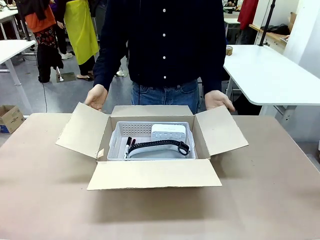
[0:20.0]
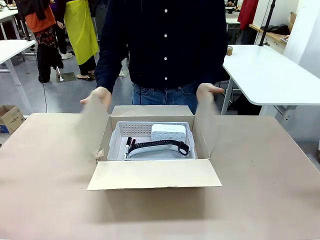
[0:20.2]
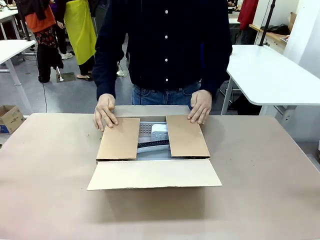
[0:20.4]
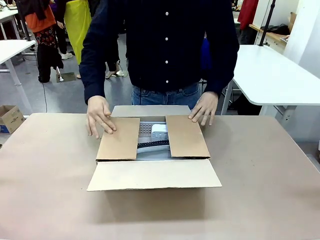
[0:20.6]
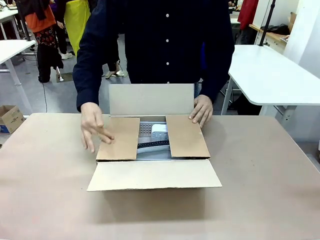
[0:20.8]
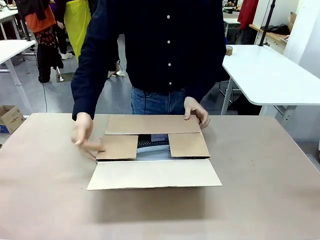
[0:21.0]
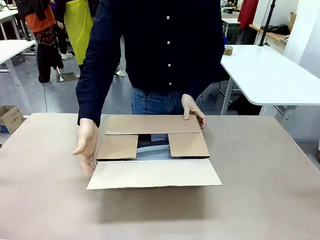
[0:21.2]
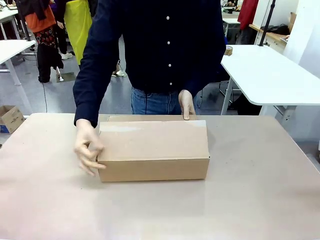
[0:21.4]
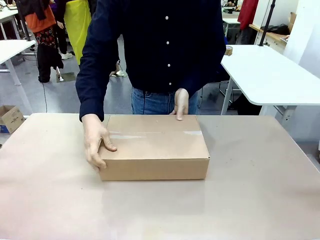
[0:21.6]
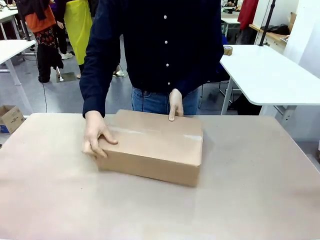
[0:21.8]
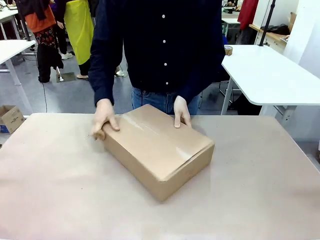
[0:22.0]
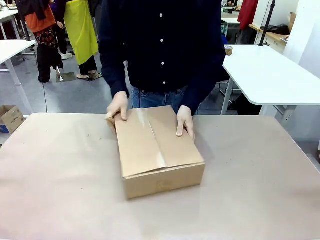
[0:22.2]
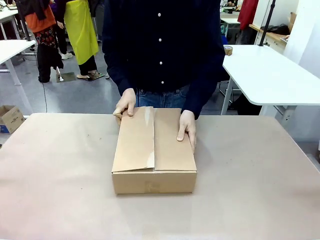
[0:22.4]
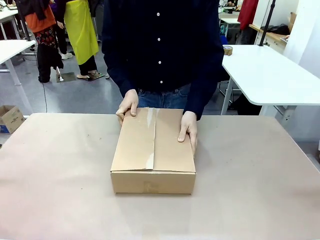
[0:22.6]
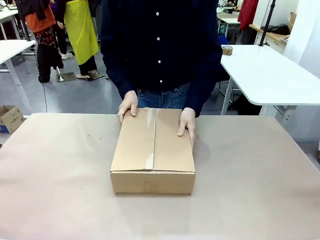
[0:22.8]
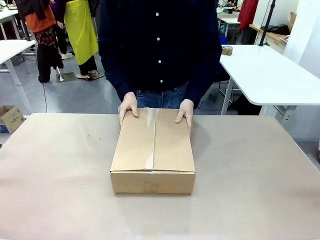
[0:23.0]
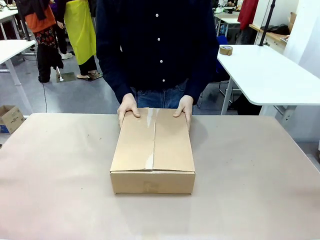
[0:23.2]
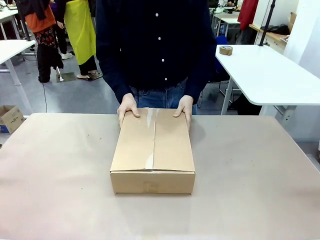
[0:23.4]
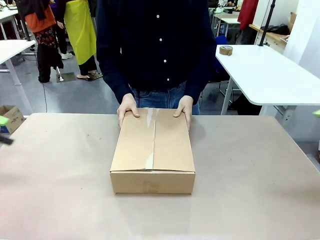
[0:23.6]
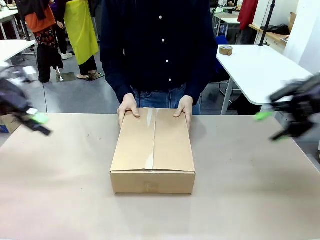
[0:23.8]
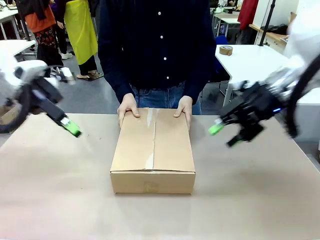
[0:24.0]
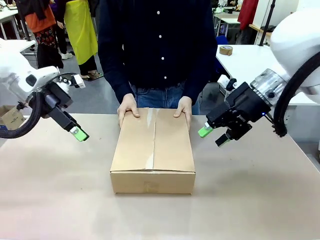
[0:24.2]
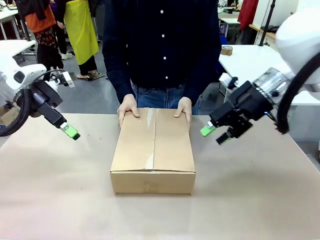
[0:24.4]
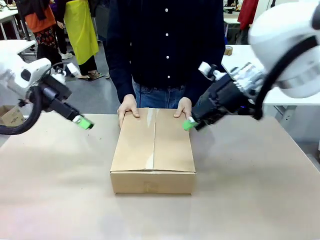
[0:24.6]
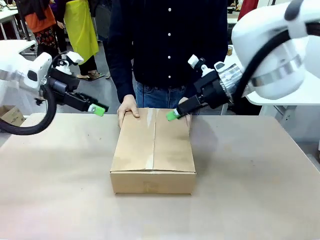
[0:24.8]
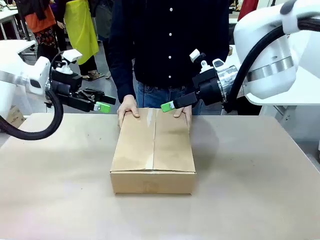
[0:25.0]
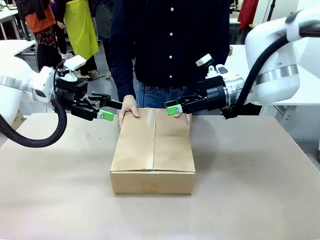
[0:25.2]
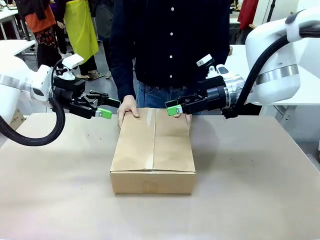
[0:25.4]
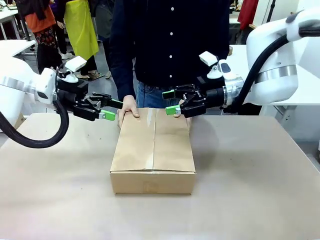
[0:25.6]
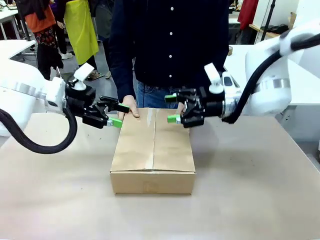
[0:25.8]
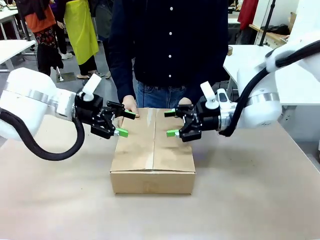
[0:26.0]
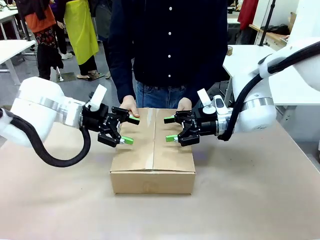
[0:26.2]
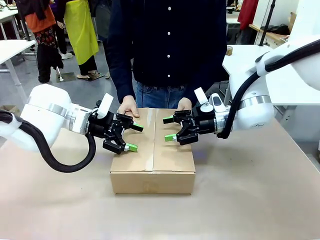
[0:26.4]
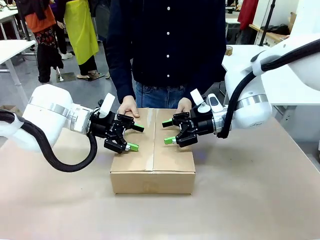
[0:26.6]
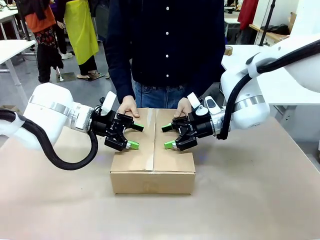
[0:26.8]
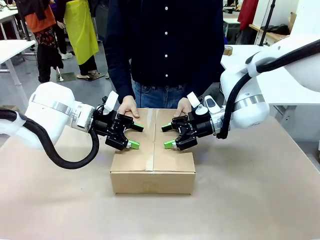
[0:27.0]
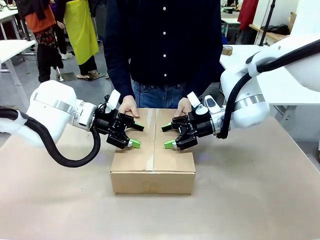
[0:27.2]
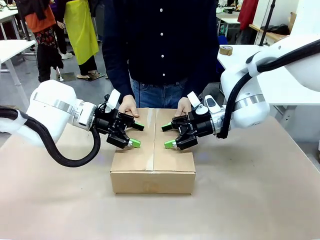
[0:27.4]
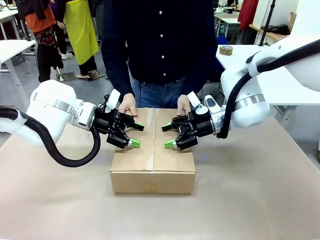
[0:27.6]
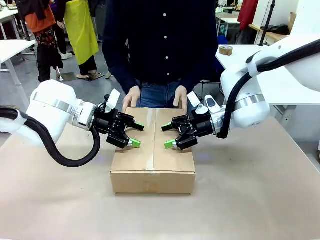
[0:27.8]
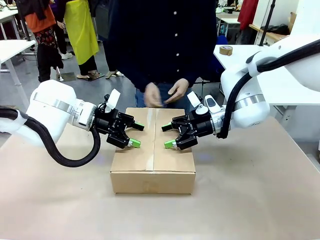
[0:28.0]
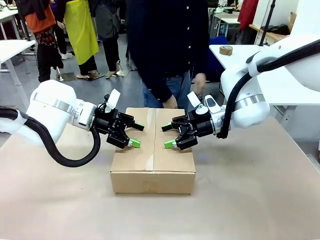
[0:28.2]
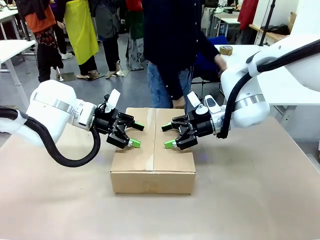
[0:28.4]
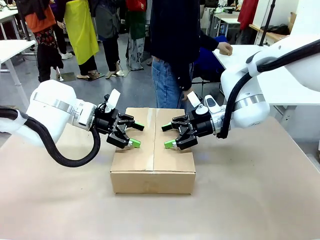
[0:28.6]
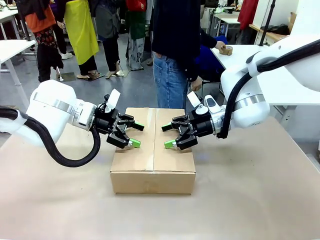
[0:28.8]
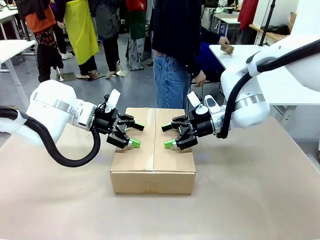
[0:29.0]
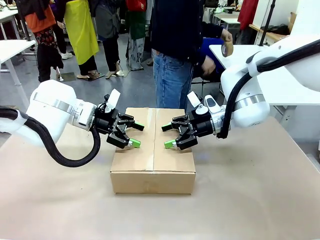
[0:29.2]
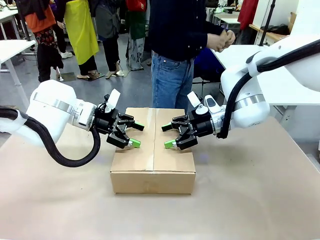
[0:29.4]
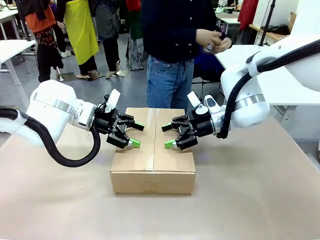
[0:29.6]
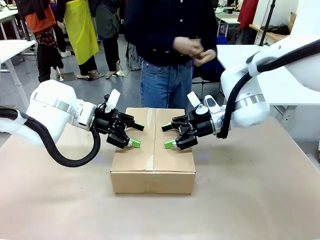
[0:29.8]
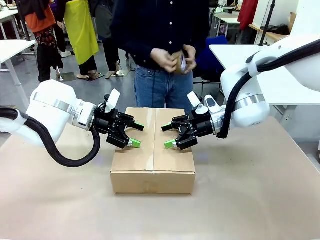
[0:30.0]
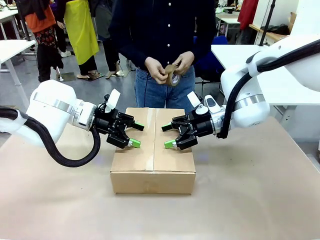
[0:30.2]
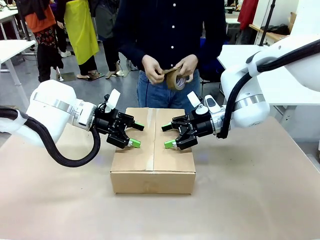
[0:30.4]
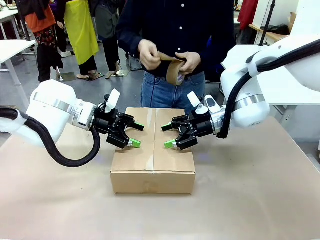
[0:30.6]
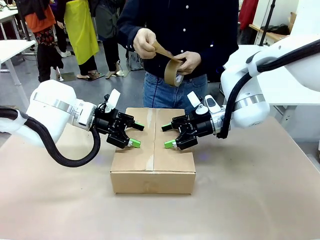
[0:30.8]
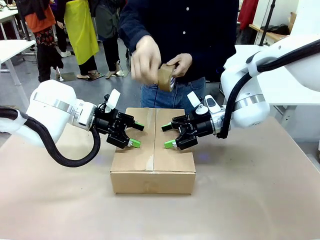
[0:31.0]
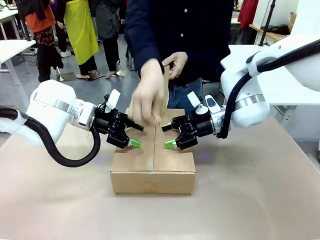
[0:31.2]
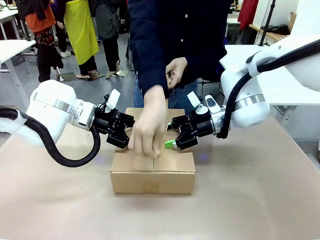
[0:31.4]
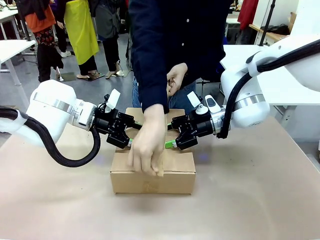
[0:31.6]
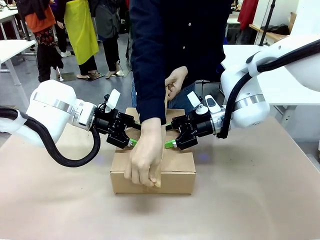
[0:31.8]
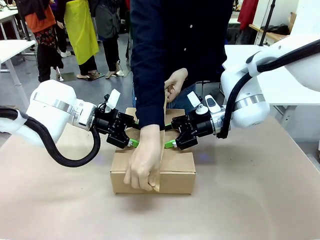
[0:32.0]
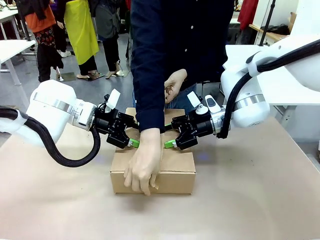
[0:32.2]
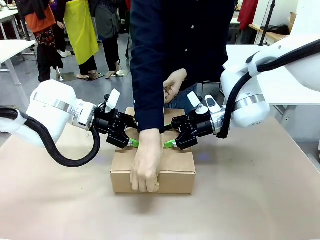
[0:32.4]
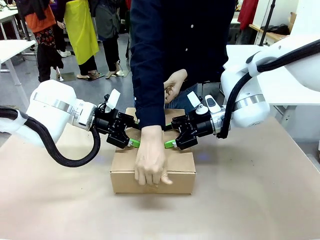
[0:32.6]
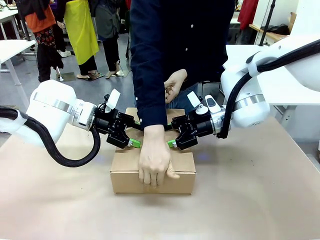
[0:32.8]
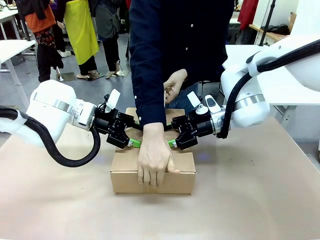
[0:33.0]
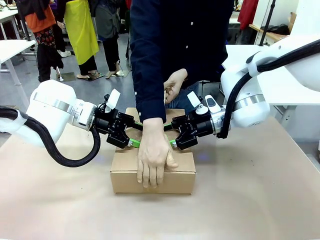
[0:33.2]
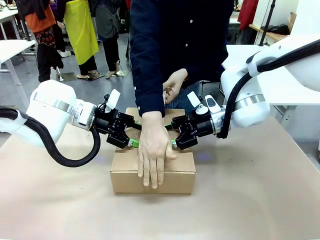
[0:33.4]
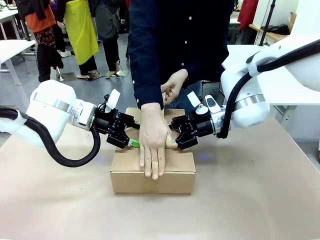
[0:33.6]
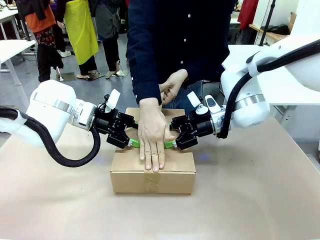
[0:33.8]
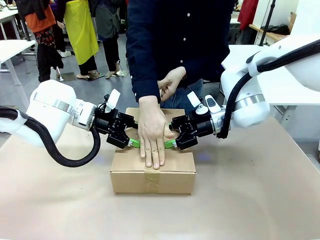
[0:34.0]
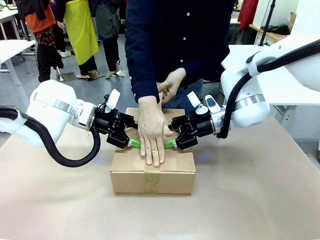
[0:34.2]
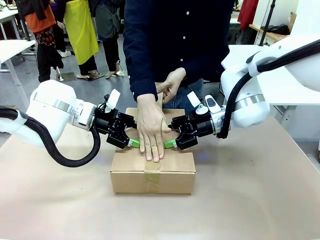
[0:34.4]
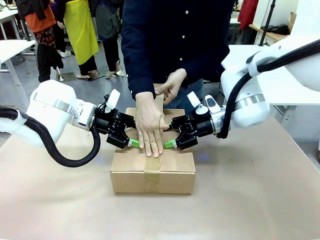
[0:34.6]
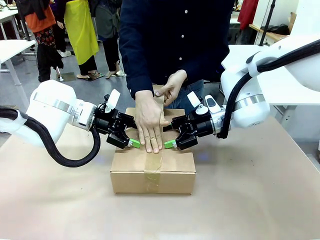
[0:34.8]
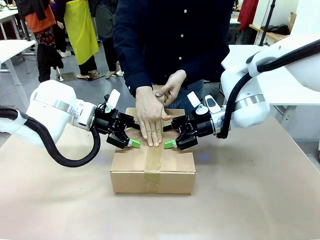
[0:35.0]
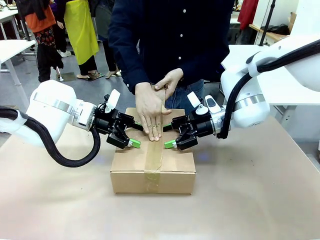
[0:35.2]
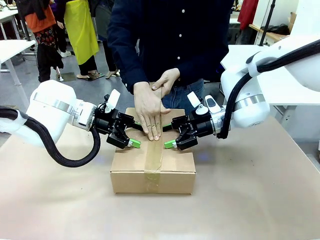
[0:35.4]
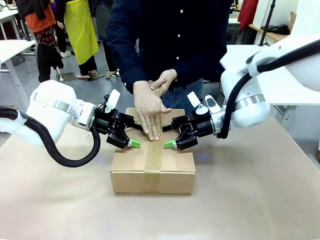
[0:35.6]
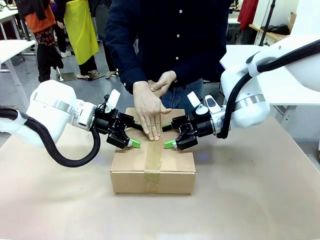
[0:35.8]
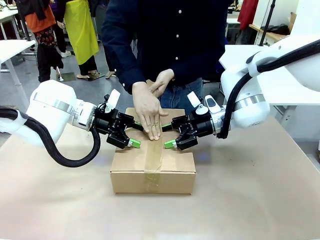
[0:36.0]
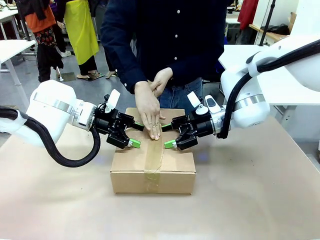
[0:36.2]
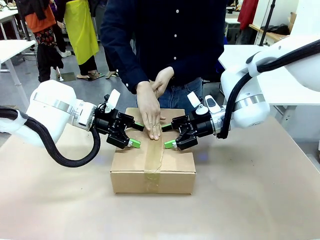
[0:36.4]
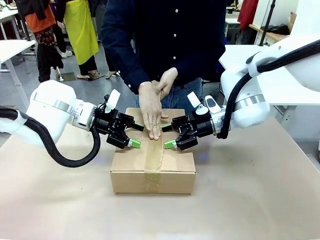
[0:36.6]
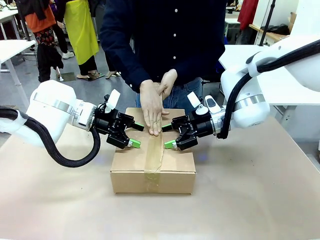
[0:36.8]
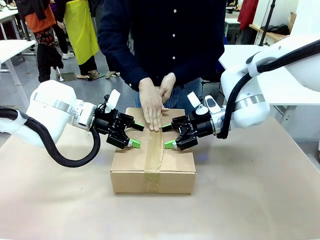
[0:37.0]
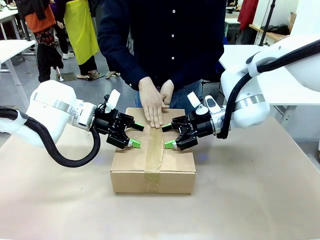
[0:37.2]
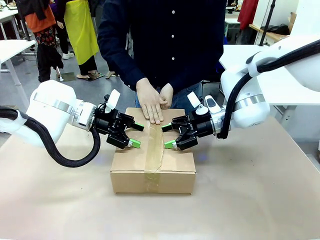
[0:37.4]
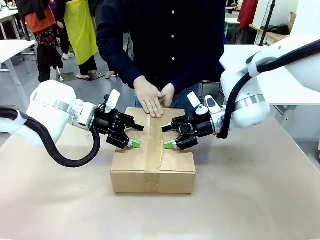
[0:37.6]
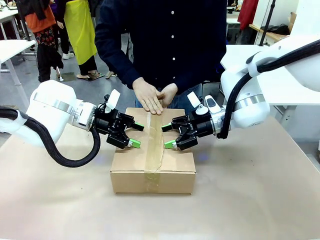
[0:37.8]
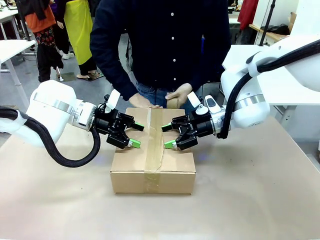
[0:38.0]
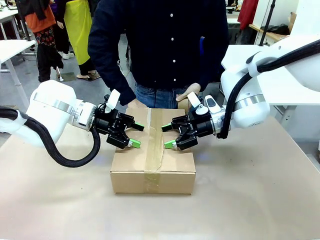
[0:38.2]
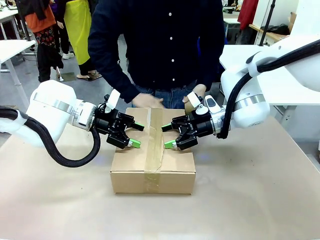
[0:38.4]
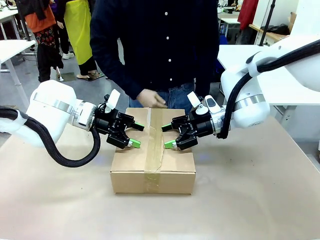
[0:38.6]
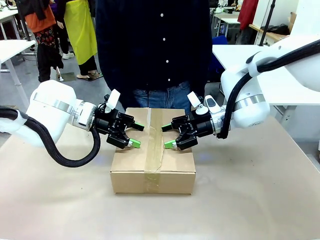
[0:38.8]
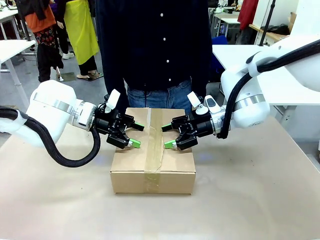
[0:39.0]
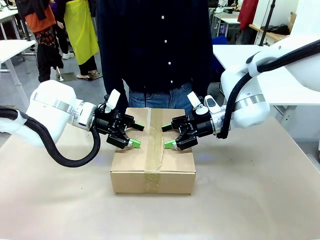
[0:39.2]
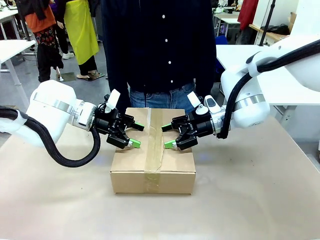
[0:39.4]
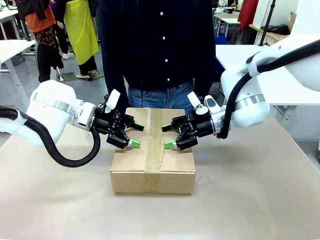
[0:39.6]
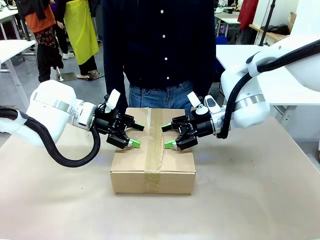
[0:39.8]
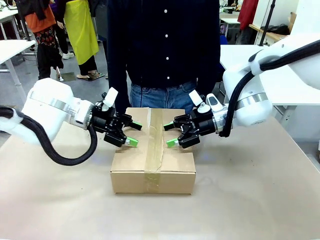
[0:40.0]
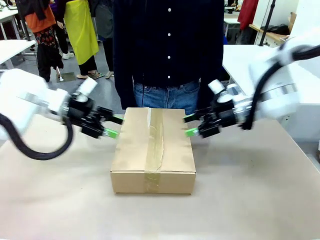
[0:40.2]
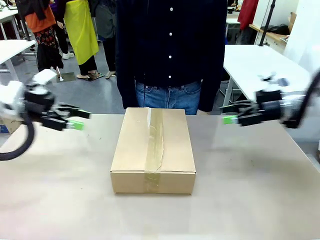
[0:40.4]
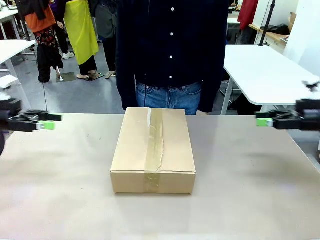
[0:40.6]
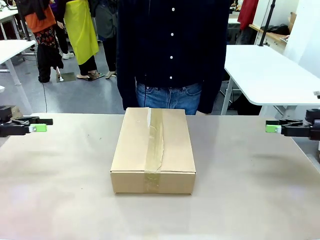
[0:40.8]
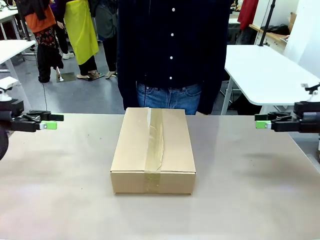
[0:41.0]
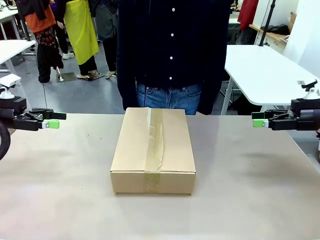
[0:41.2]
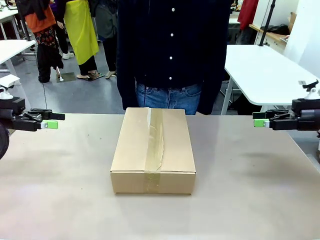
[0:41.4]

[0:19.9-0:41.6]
Task: Pack the gift set into the box.
Robot: Press and hold the closed box until the human finishes sealing it.
Person: The human closes the box and rotates the box by 90 degrees. The human picks up the paper tape from the human table and packs the box.
